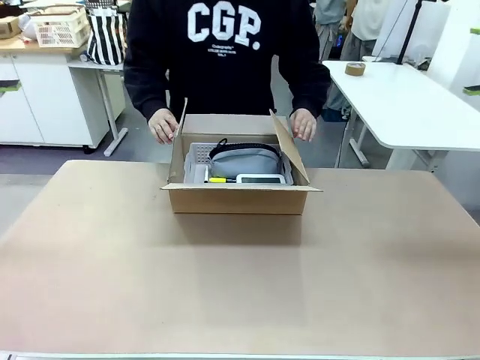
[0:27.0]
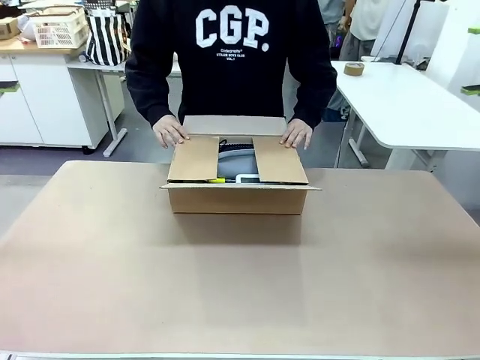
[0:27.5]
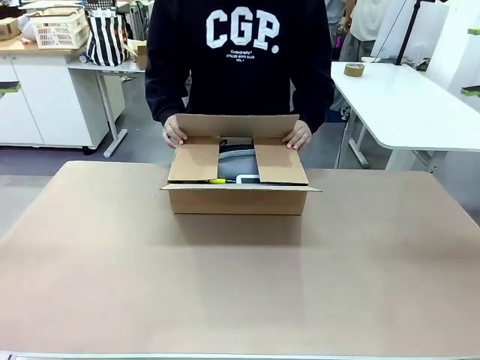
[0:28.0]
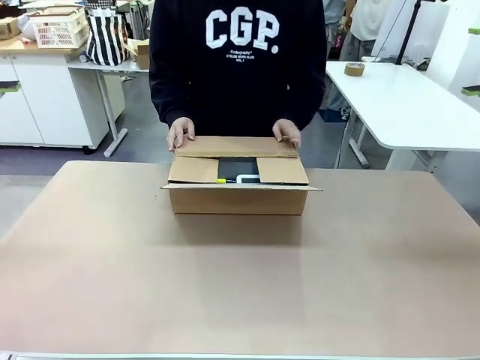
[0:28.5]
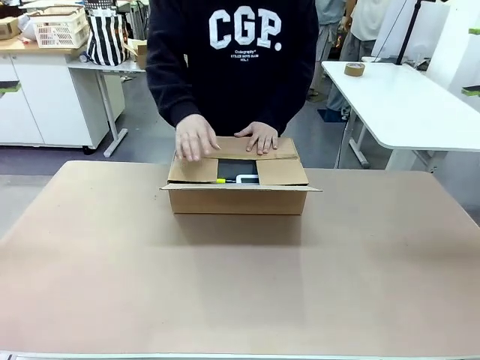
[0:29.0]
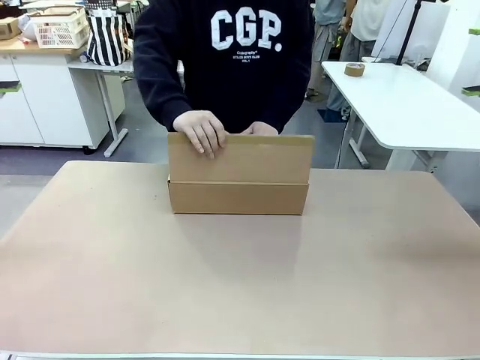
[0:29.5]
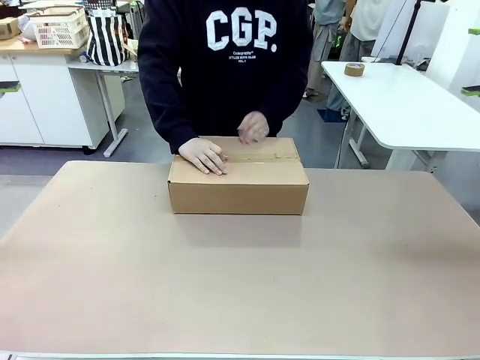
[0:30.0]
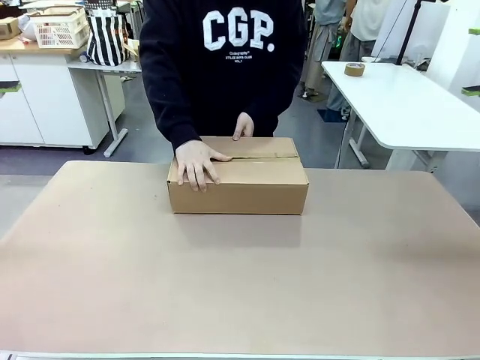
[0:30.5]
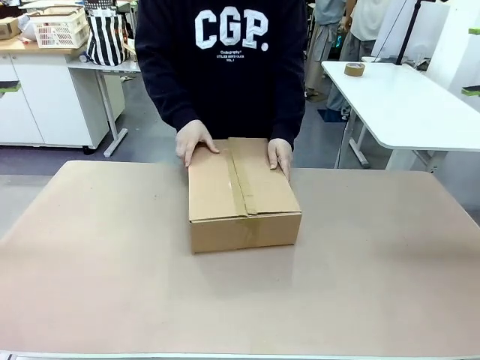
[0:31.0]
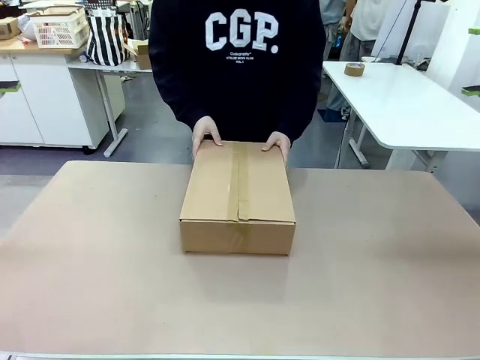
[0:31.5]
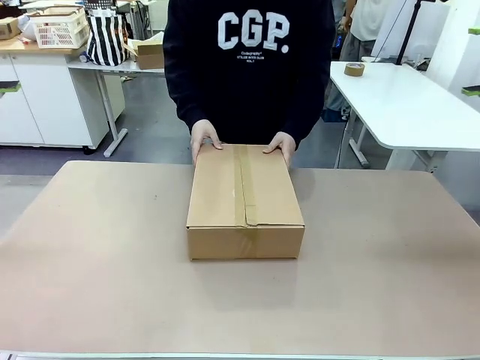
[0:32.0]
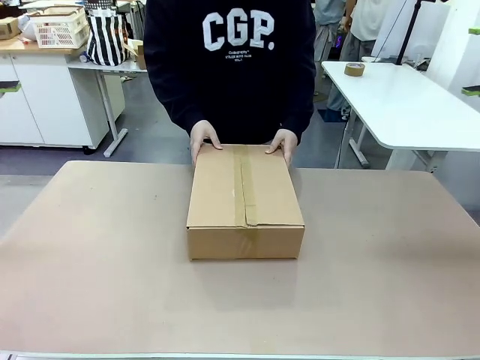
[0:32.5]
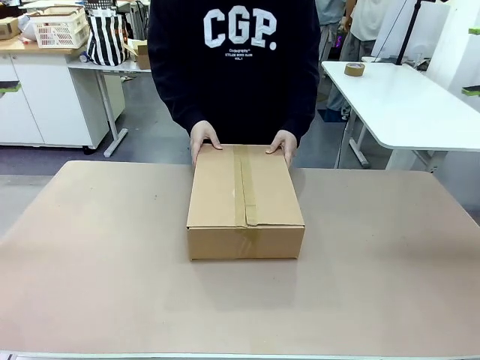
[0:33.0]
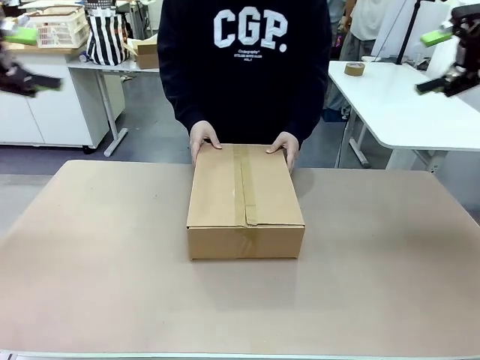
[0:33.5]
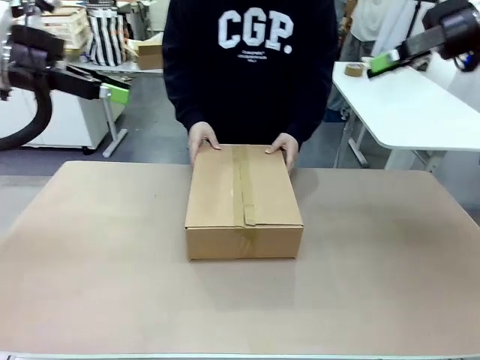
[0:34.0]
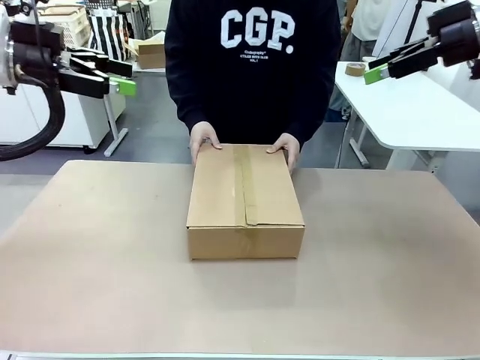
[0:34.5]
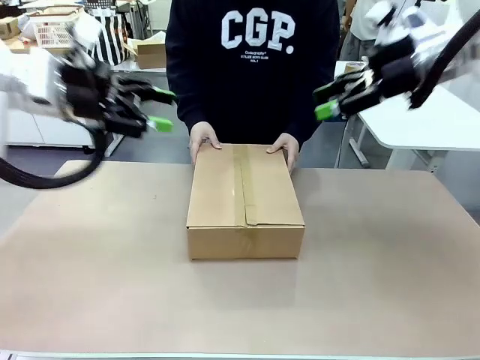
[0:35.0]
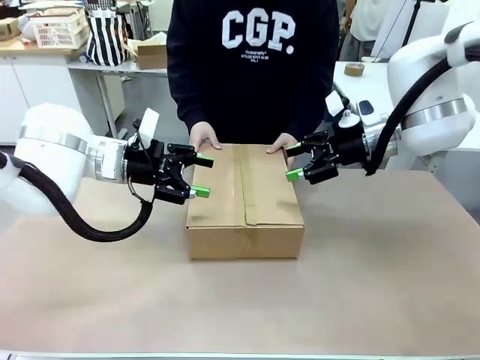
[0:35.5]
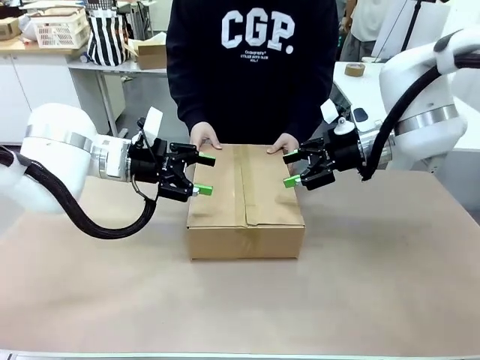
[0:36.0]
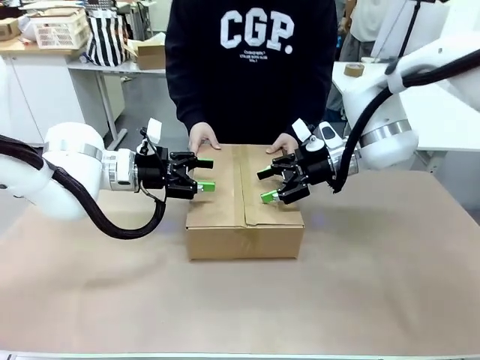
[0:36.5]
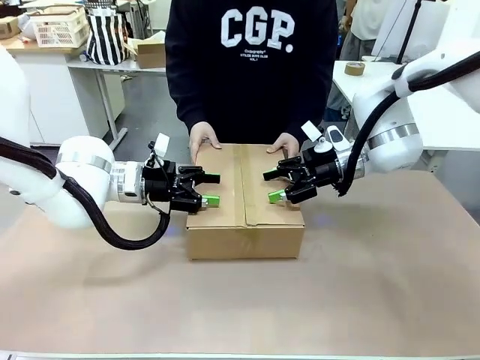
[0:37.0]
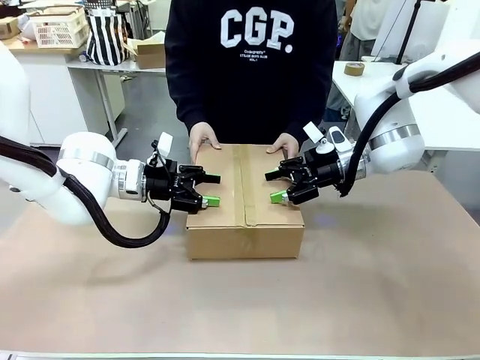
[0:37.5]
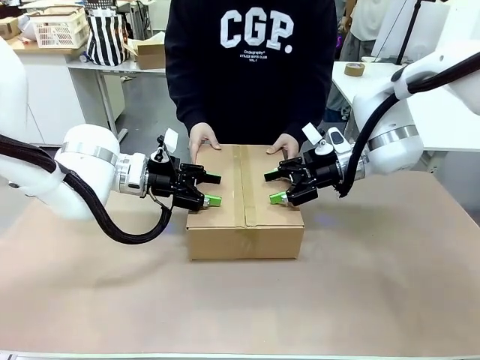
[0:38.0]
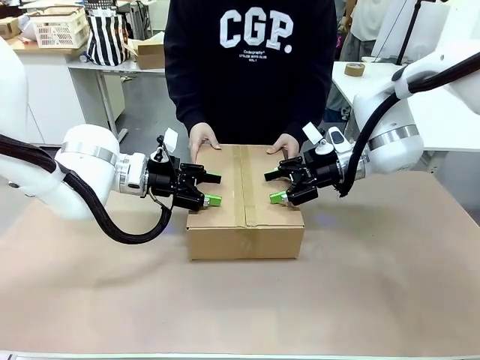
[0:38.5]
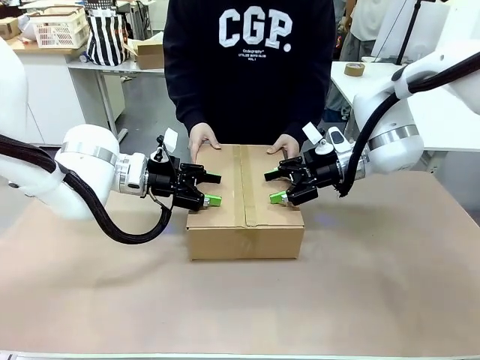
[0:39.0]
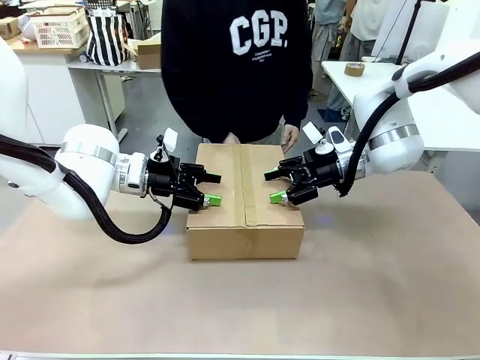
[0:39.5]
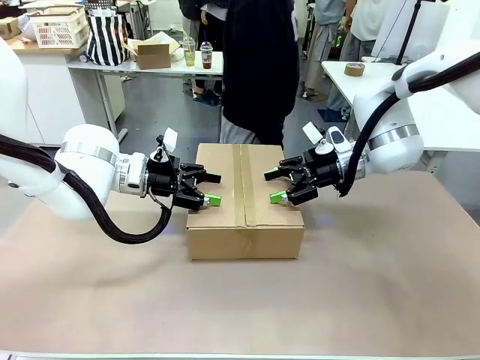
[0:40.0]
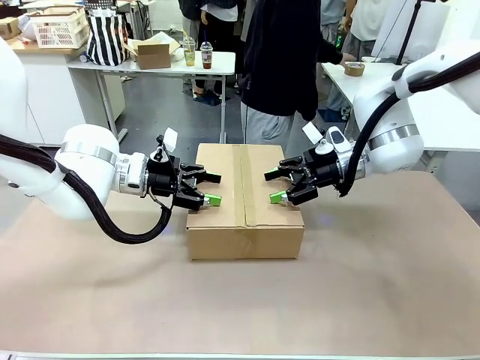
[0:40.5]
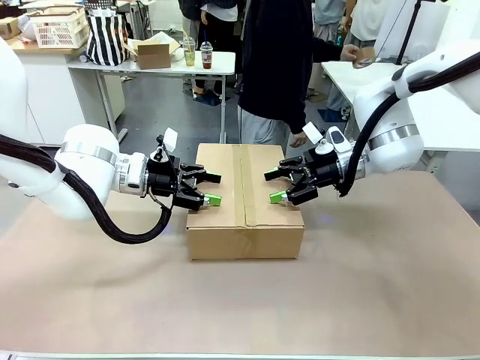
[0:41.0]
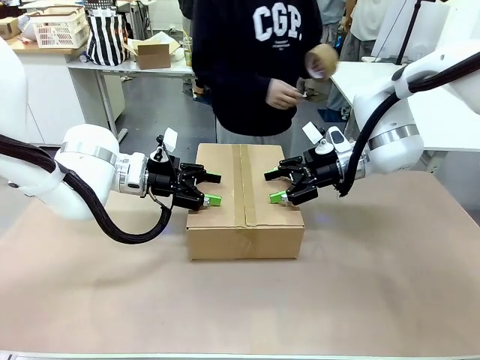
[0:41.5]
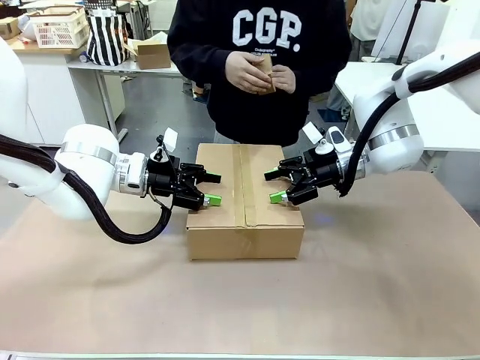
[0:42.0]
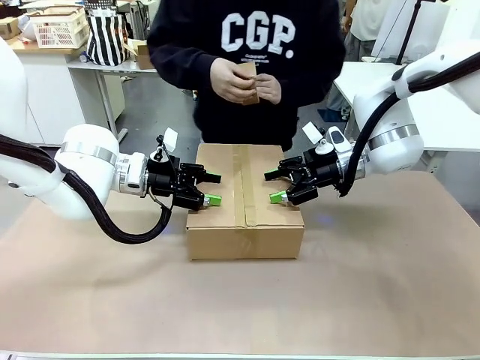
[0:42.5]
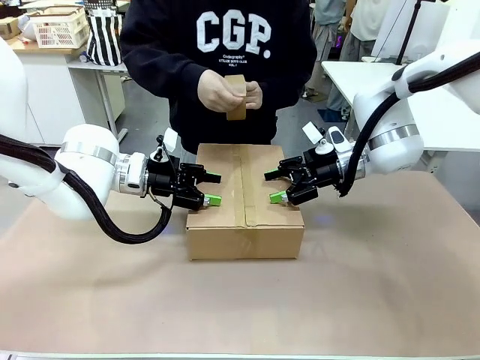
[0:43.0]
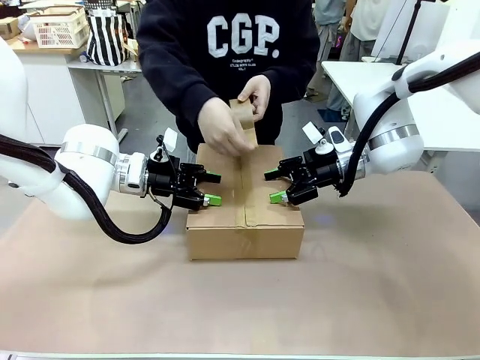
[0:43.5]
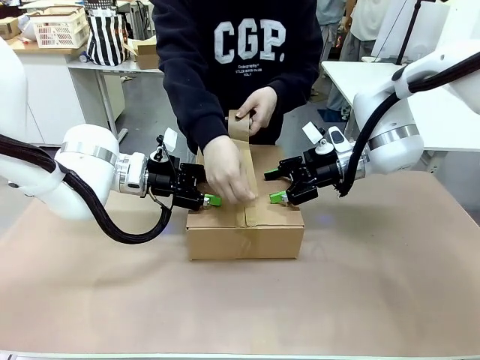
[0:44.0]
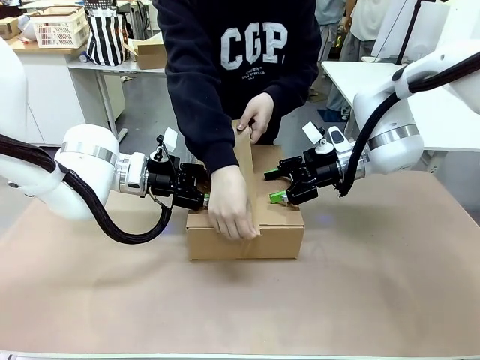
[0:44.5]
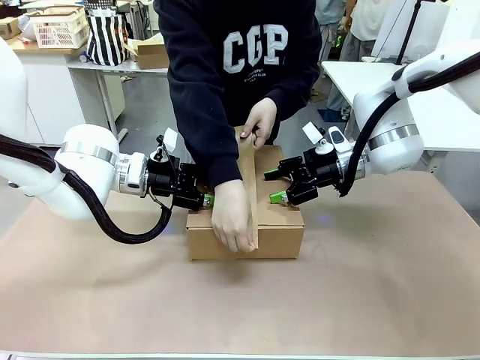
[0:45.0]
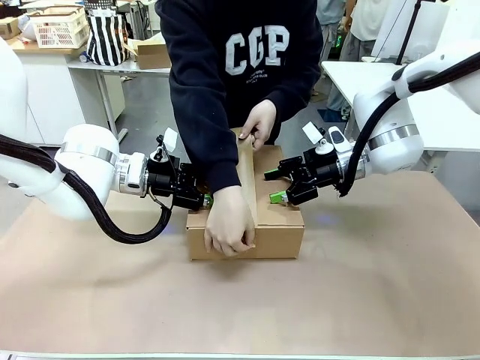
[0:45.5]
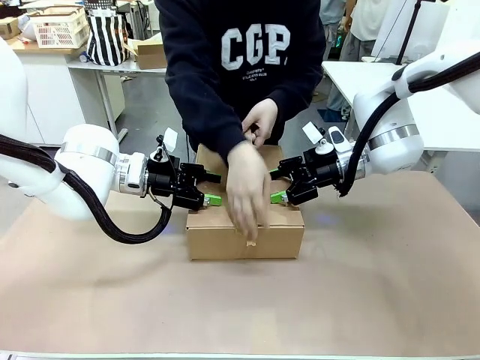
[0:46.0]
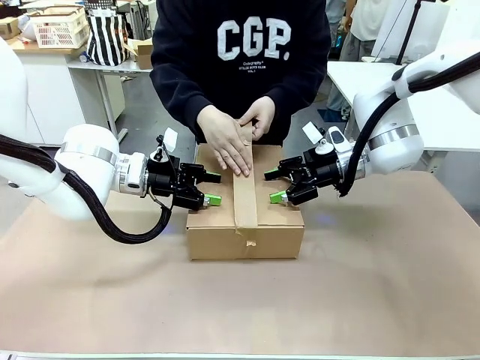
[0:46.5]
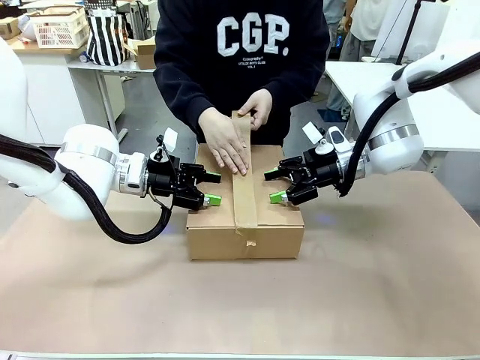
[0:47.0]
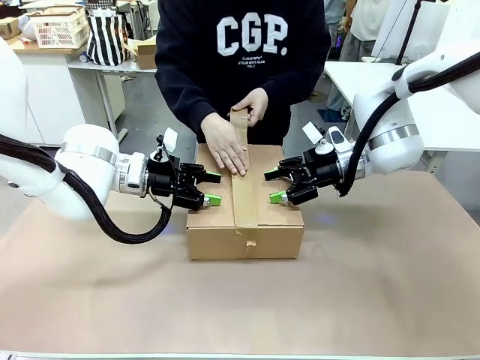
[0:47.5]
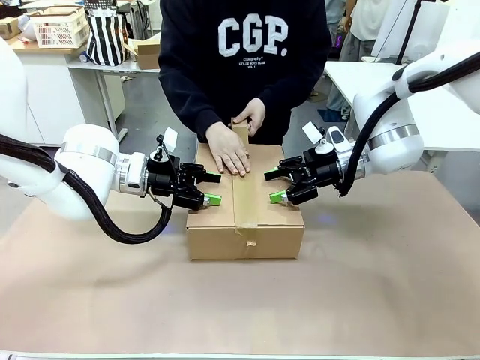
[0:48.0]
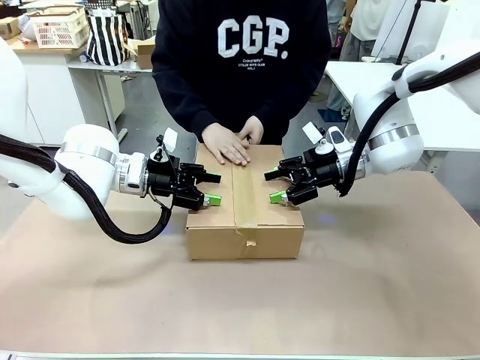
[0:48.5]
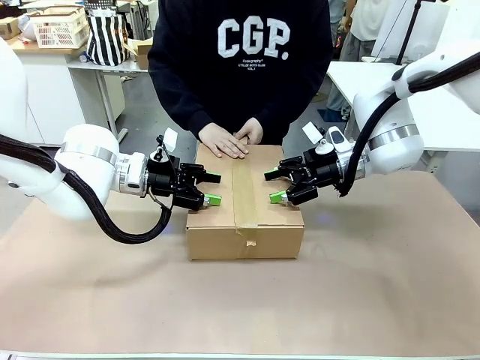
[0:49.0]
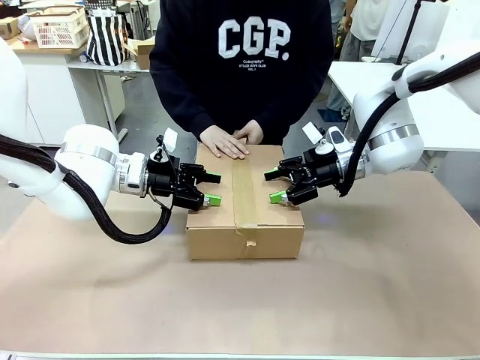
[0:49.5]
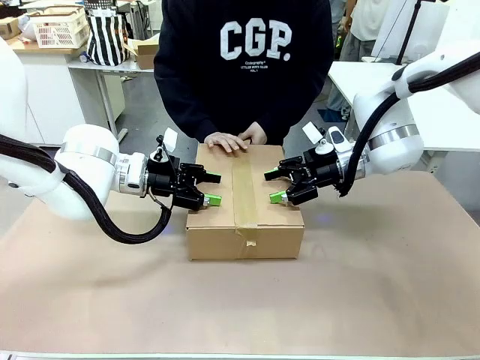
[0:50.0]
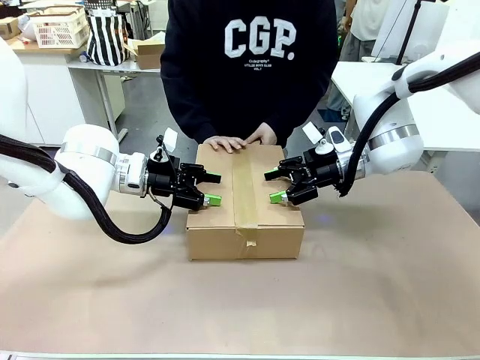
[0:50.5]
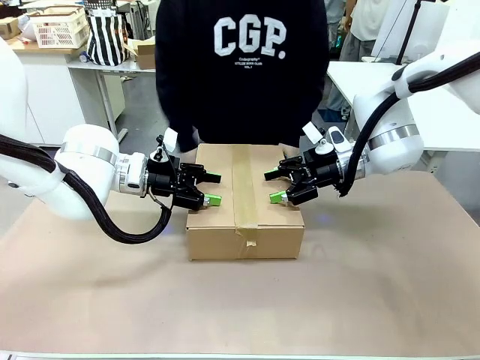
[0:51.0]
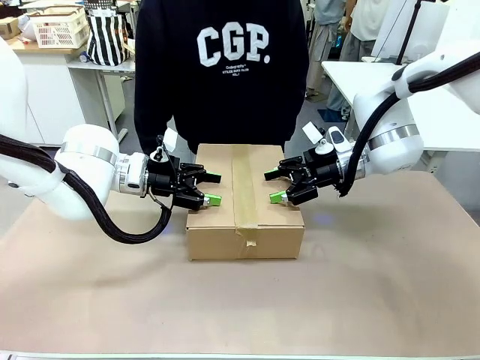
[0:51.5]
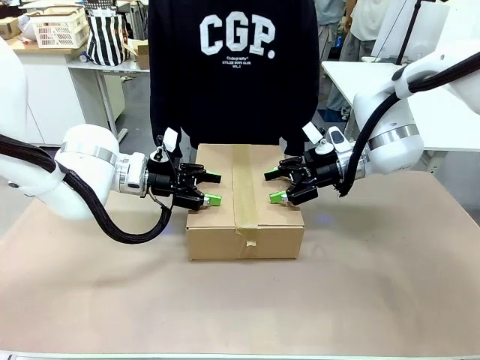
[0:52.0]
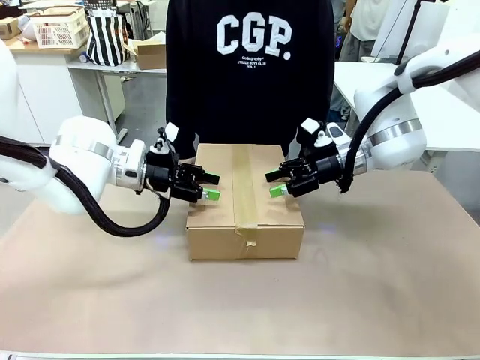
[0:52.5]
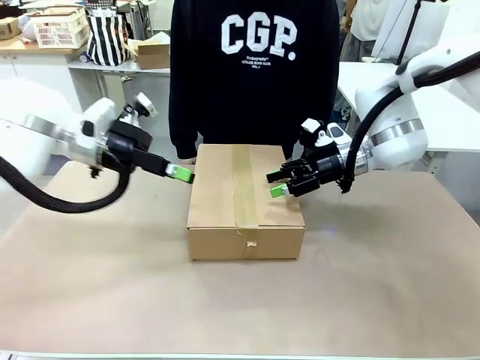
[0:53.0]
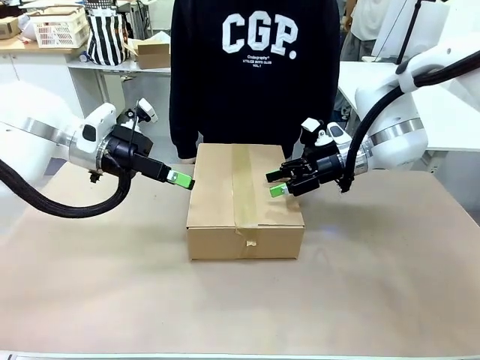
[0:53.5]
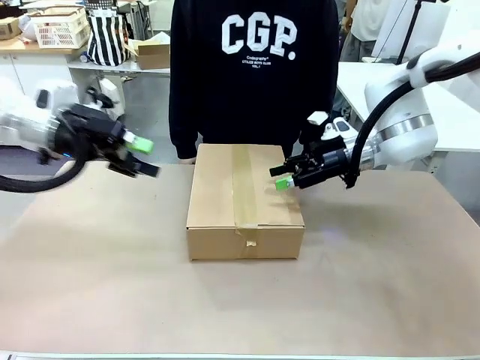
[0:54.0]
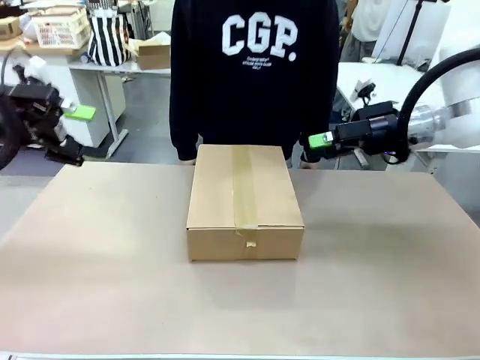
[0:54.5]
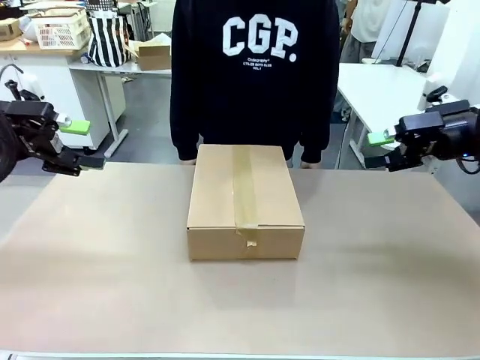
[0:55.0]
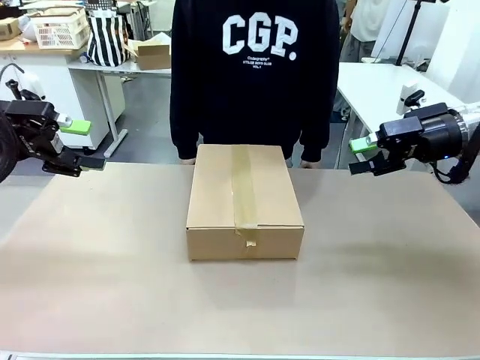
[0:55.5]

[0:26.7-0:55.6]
Task: Pack the gift set into the box.
Robot: Press and hold the closed box until the human finishes sealing it.
Person: The human closes the box and rotates the box by 90 degrees. The human picks up the paper tape from the human table and packs the box.
